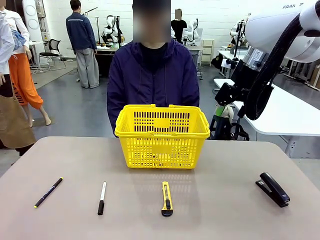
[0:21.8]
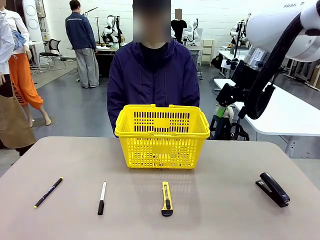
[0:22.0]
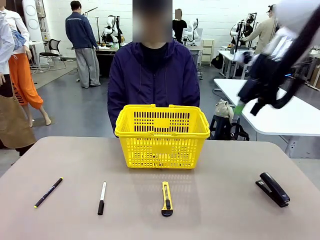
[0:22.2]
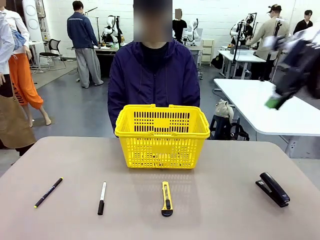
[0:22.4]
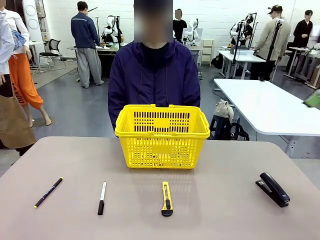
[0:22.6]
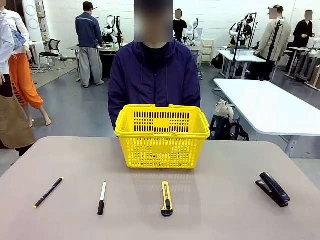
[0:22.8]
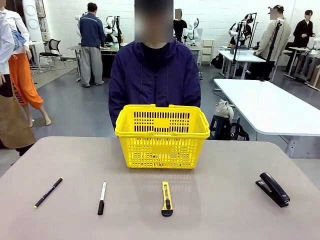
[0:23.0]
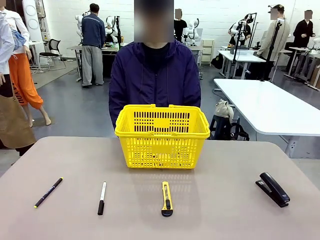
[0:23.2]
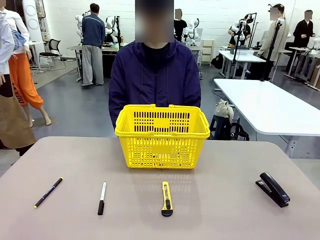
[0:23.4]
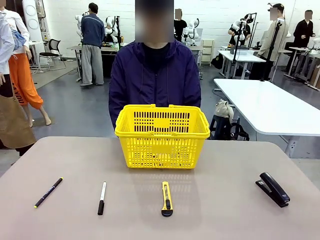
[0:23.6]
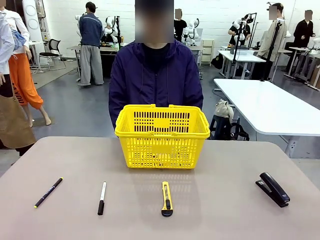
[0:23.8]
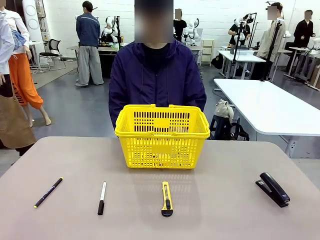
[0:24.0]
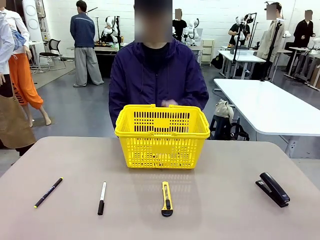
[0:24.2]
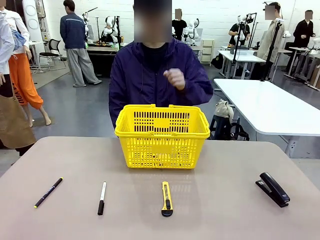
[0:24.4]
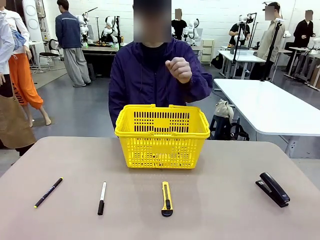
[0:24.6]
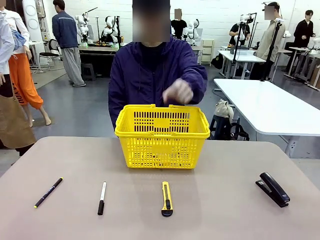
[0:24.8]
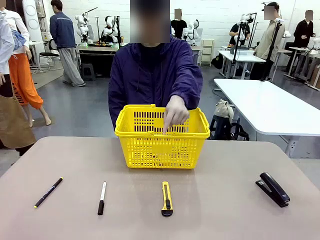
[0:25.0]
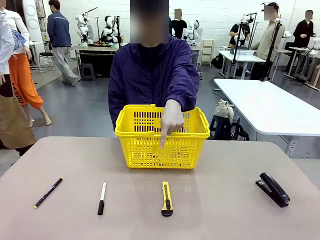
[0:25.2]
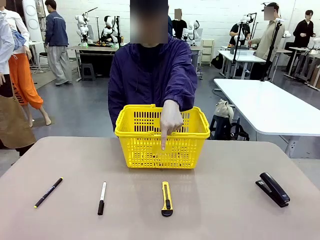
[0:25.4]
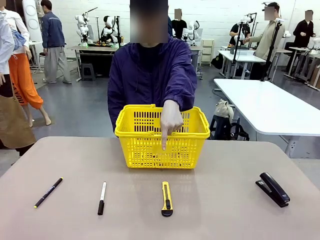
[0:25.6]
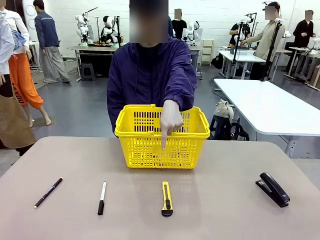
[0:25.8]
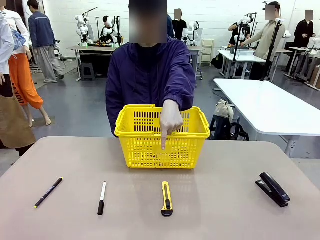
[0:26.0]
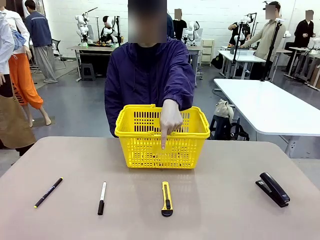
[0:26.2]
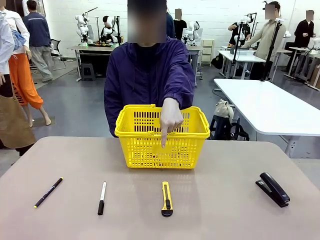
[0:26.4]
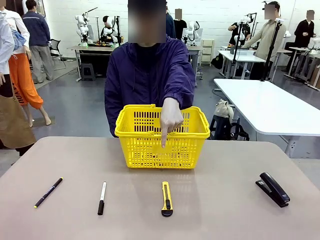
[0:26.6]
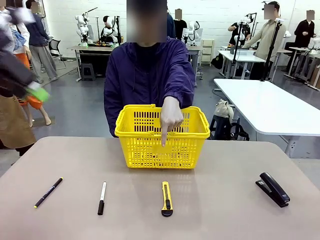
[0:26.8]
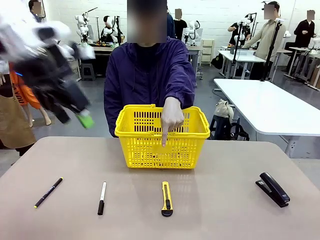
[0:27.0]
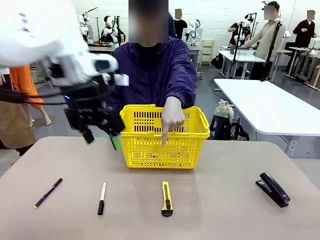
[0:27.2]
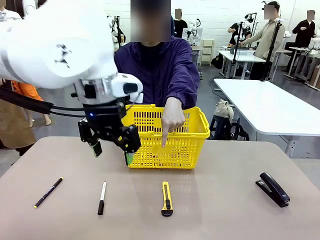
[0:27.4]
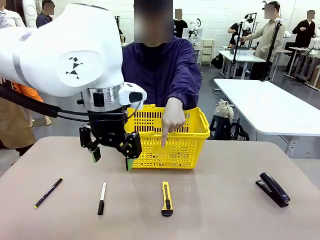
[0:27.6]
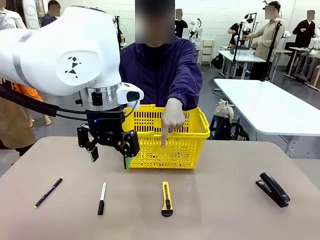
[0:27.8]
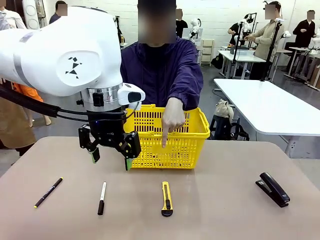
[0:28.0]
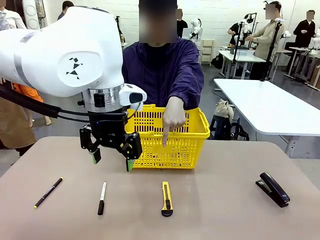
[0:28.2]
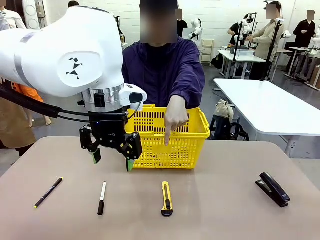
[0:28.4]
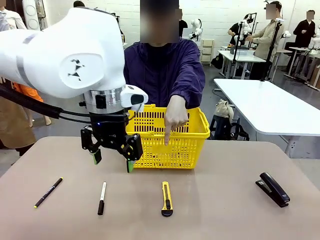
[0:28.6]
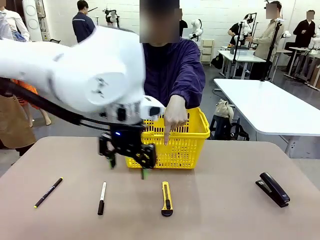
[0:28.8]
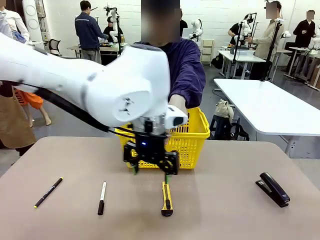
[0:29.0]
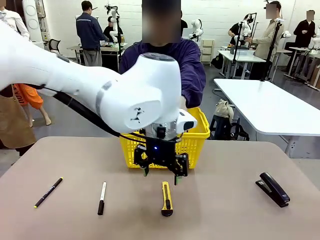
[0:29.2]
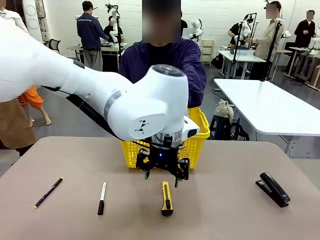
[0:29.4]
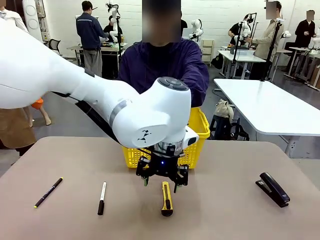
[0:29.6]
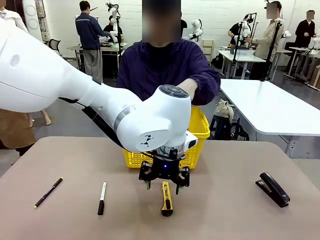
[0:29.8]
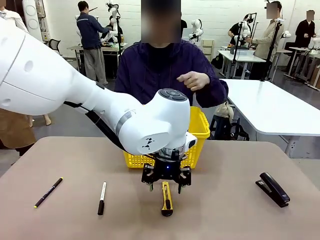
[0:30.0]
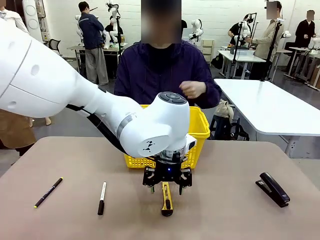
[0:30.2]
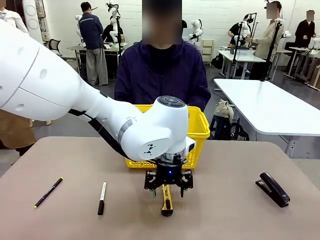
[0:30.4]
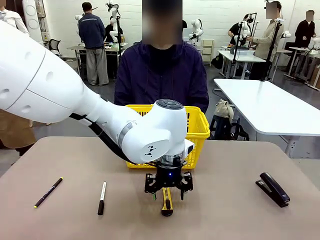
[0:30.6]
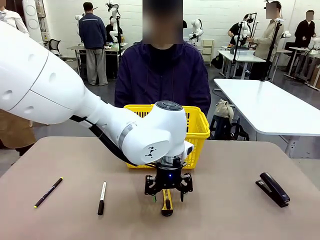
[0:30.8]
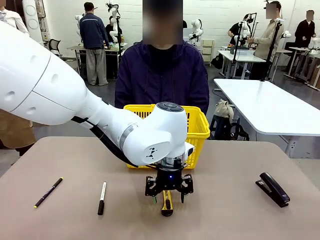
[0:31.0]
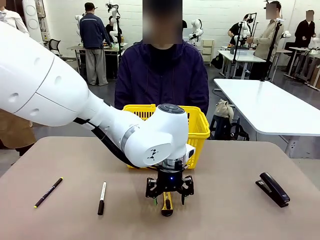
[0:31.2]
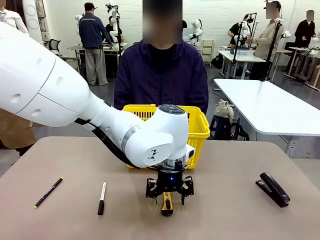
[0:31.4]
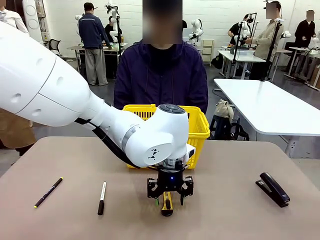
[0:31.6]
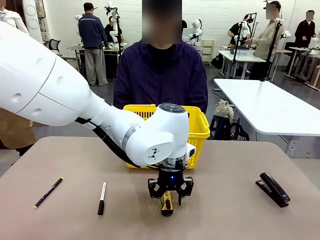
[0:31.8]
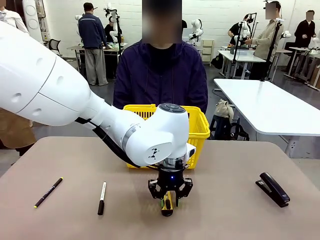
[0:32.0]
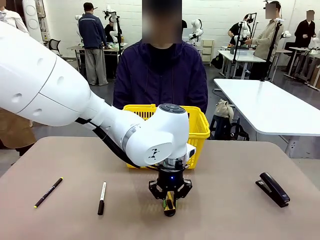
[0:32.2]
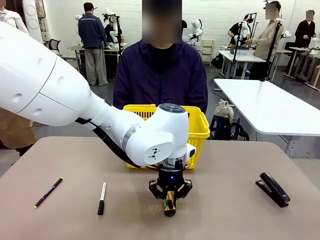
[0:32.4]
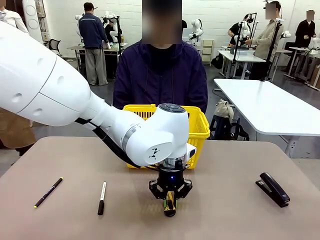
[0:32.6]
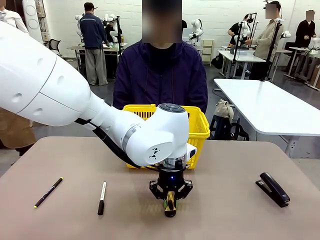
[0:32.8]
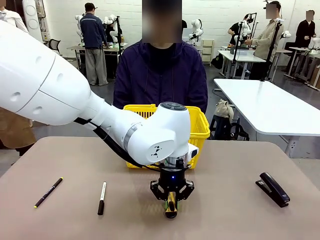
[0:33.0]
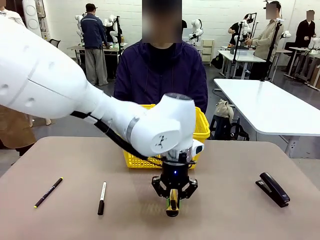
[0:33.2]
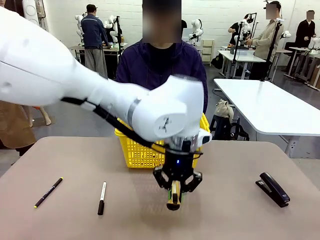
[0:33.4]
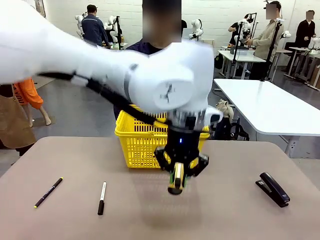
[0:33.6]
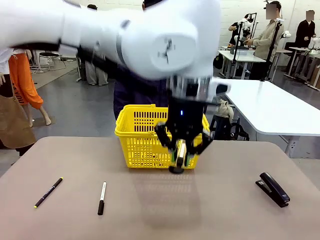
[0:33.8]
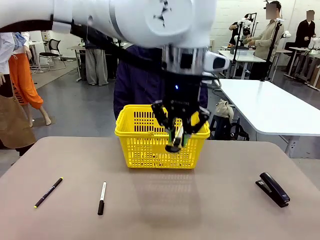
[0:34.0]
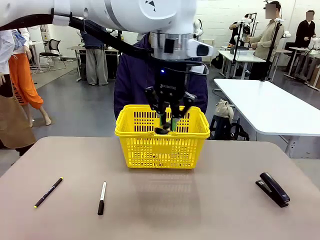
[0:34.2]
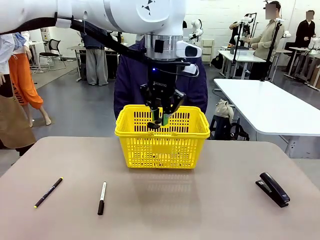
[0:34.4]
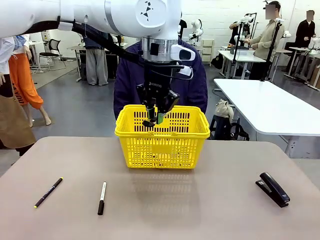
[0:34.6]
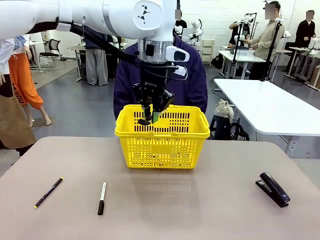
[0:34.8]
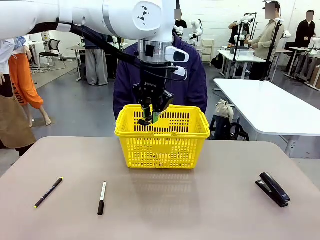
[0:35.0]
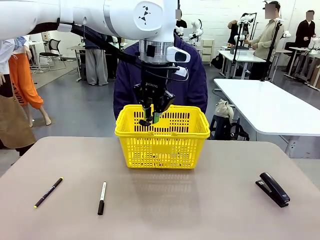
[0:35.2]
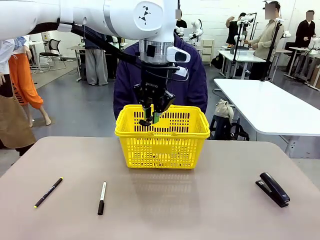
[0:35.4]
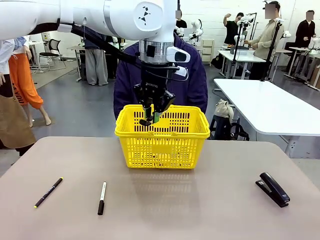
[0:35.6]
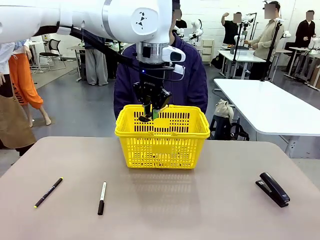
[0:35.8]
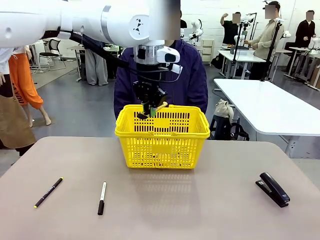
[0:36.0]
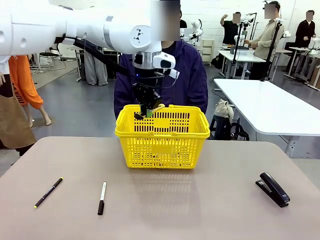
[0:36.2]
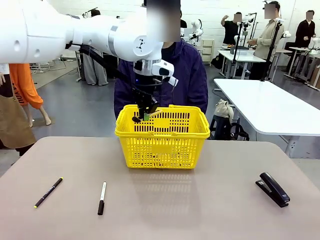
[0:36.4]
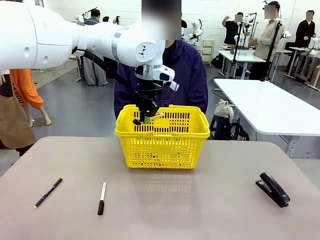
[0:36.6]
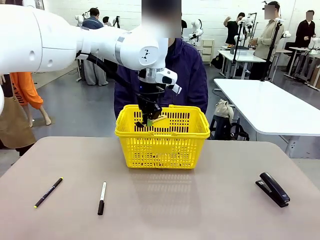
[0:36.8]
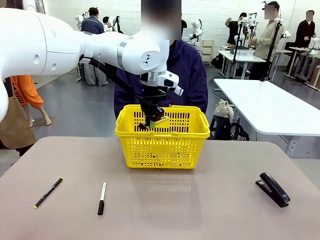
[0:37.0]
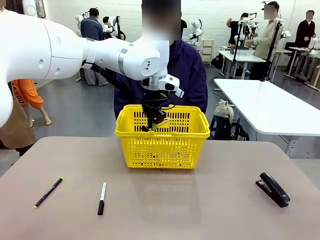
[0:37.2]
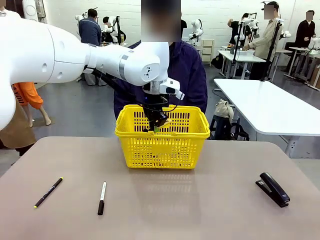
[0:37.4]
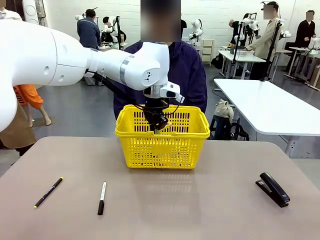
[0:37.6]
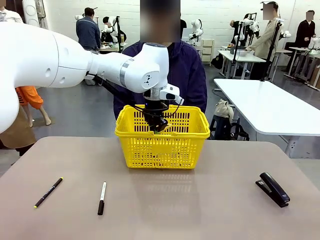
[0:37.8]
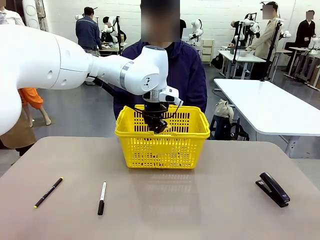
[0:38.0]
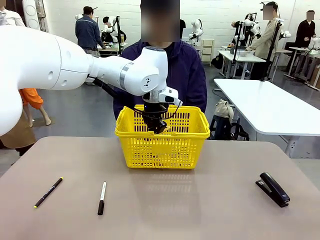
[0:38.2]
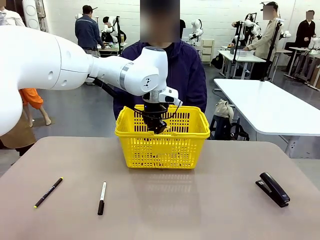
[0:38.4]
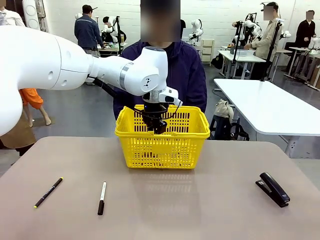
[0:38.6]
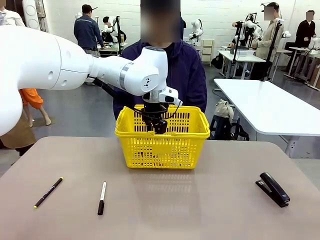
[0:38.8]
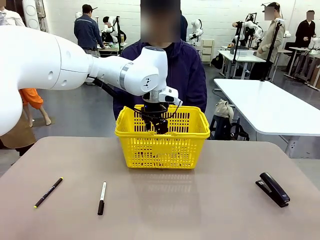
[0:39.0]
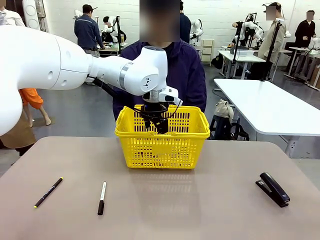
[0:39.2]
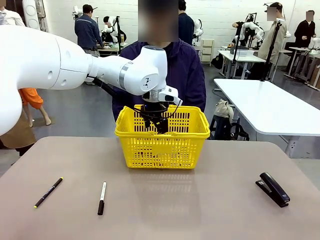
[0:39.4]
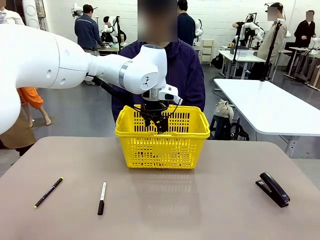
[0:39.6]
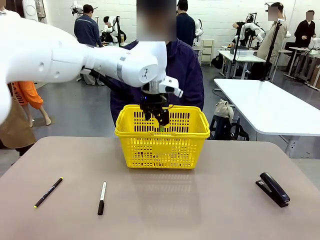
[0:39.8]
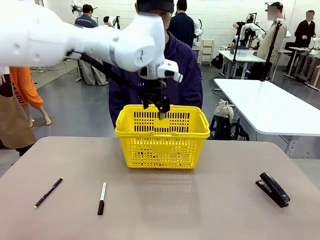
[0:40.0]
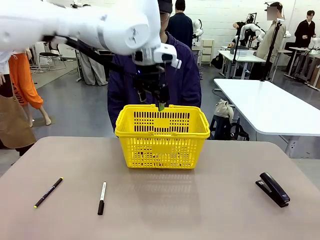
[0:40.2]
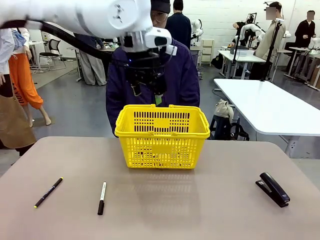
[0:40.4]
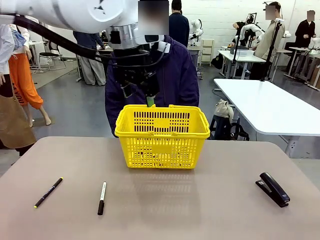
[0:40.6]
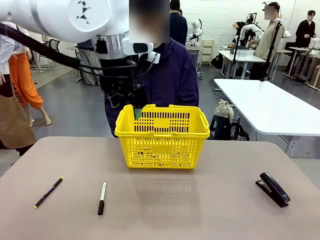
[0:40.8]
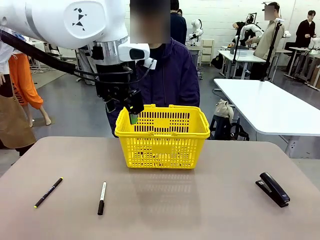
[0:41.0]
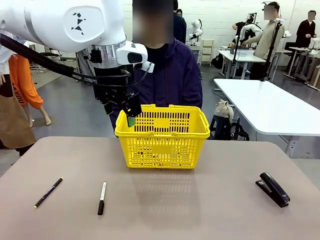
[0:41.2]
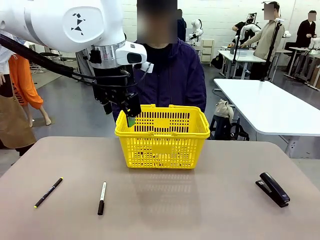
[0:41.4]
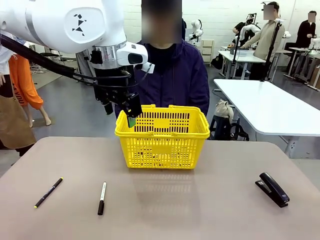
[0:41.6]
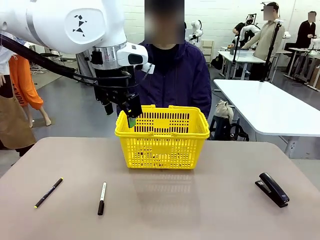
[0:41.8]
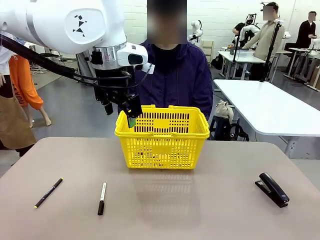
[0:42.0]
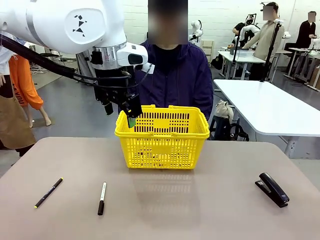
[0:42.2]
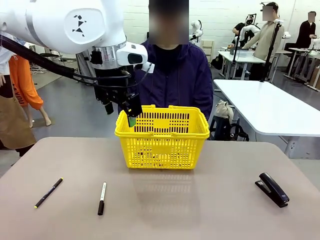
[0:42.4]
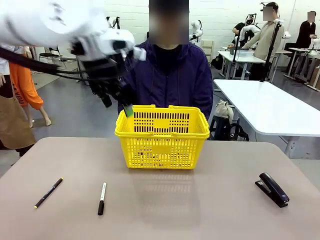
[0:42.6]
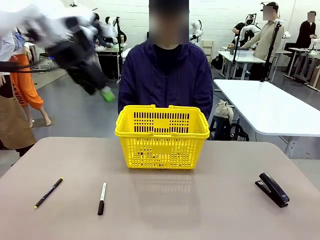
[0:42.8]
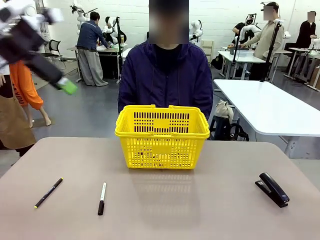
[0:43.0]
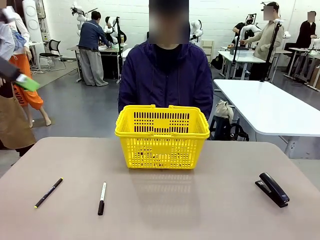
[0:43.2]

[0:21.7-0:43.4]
Task: Place the items the person wants into the basket.
Robot: Pick up the item the person points to and place it in the Market Basket.
